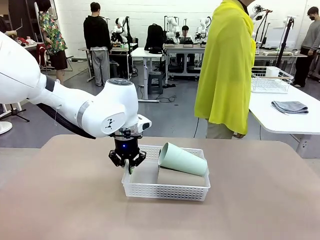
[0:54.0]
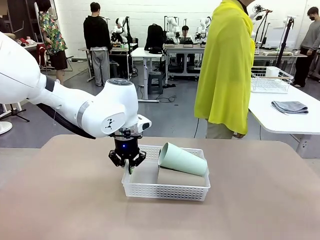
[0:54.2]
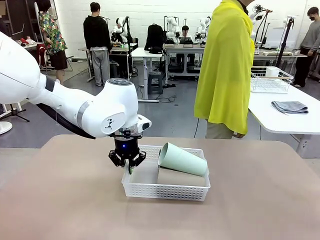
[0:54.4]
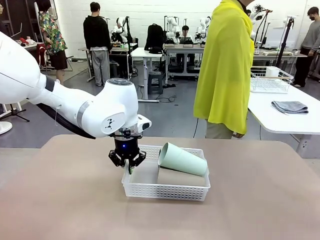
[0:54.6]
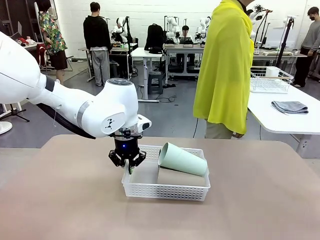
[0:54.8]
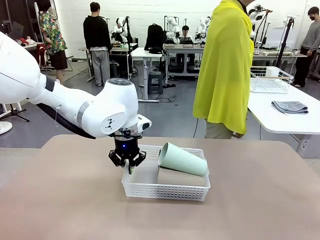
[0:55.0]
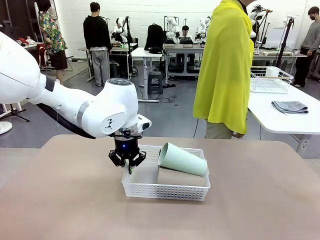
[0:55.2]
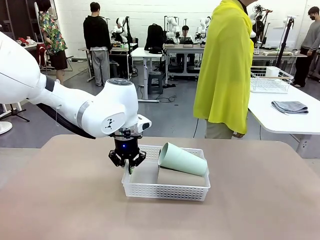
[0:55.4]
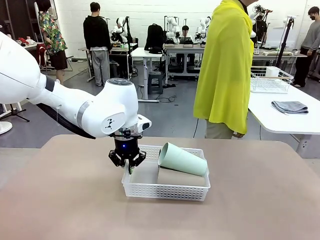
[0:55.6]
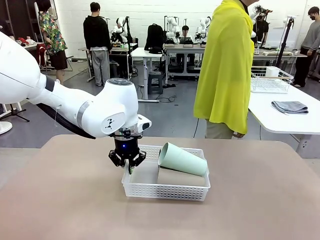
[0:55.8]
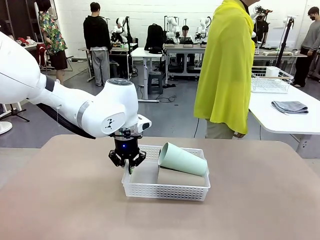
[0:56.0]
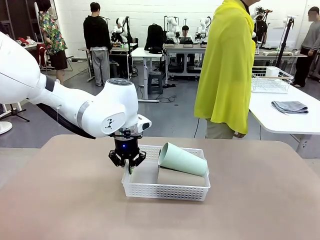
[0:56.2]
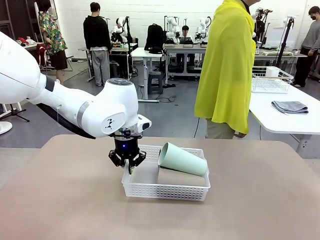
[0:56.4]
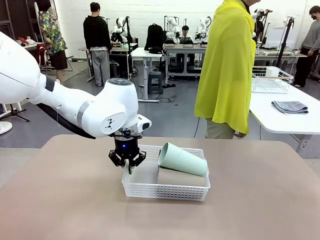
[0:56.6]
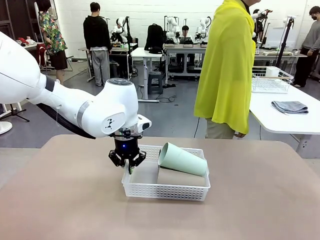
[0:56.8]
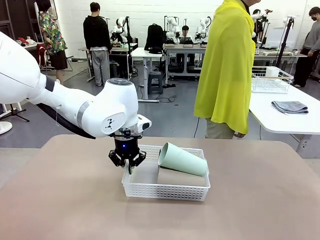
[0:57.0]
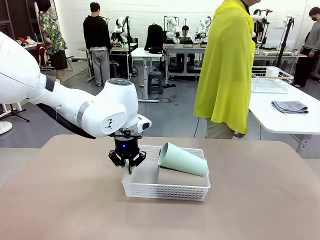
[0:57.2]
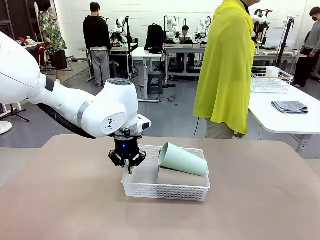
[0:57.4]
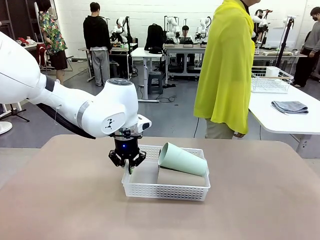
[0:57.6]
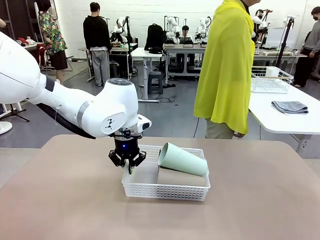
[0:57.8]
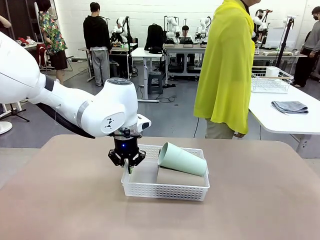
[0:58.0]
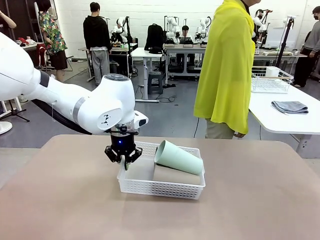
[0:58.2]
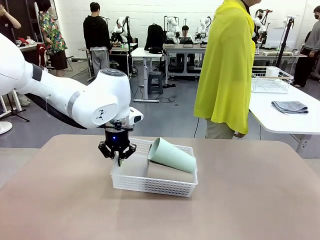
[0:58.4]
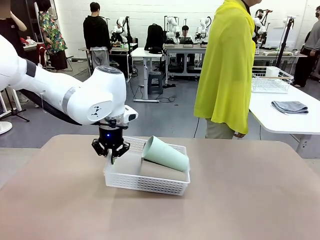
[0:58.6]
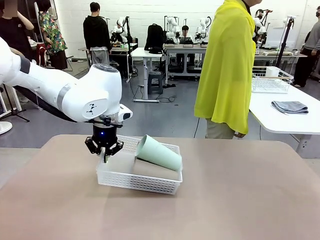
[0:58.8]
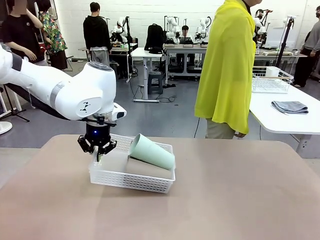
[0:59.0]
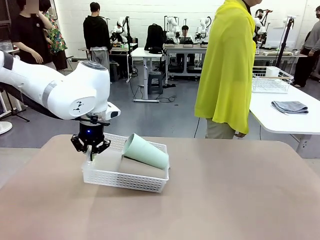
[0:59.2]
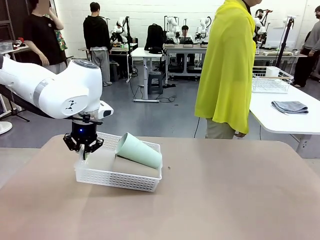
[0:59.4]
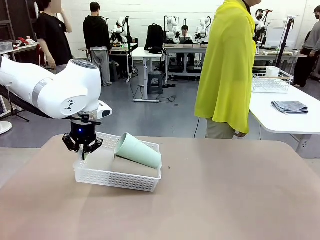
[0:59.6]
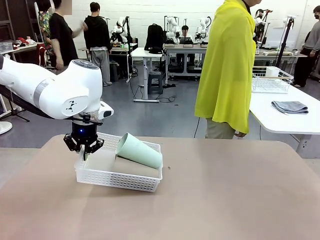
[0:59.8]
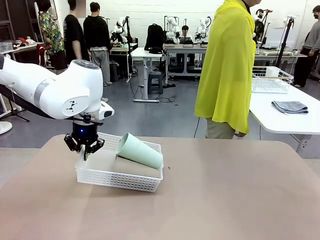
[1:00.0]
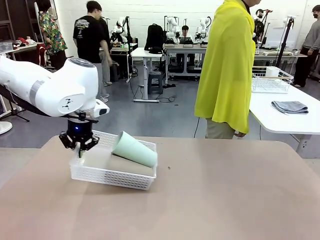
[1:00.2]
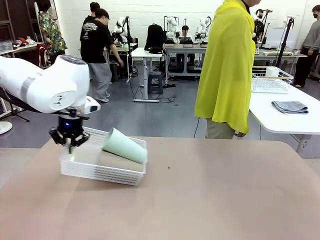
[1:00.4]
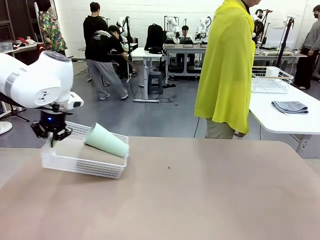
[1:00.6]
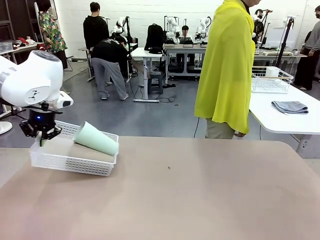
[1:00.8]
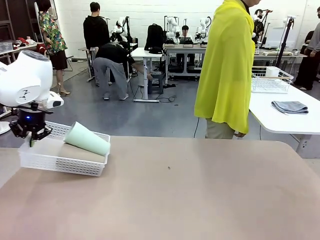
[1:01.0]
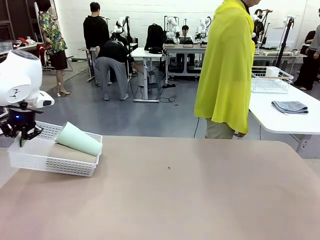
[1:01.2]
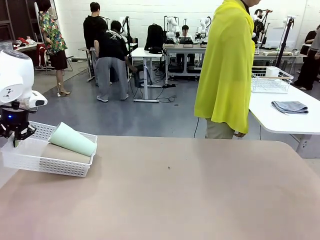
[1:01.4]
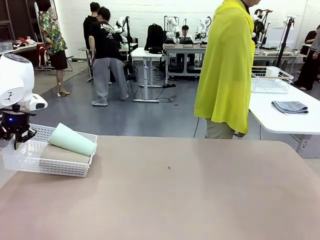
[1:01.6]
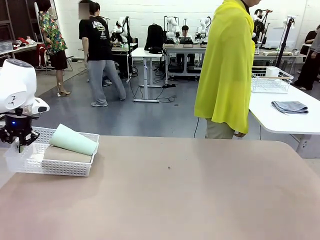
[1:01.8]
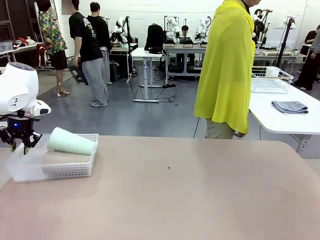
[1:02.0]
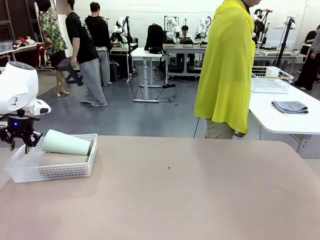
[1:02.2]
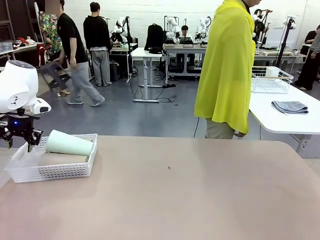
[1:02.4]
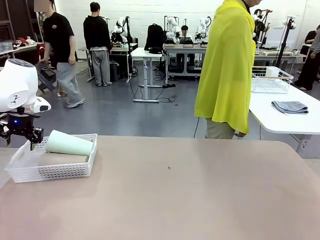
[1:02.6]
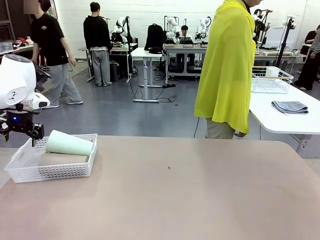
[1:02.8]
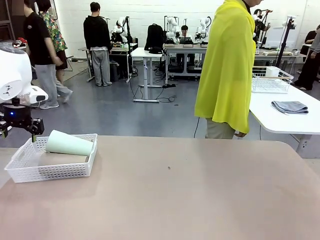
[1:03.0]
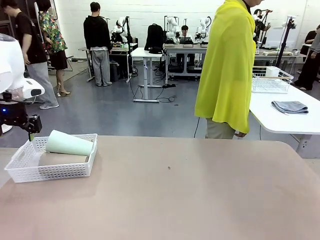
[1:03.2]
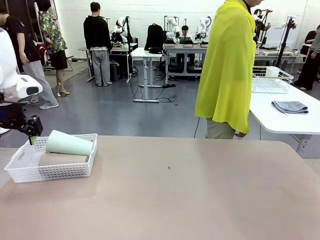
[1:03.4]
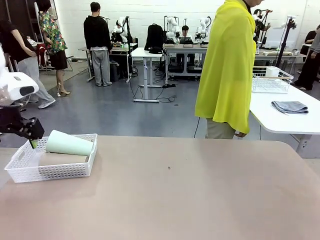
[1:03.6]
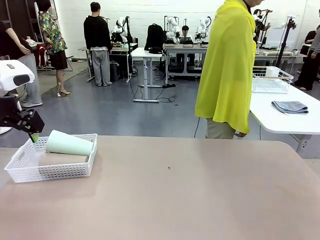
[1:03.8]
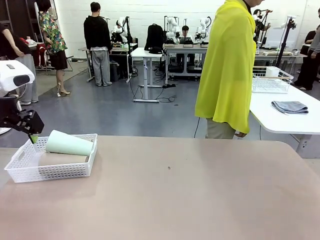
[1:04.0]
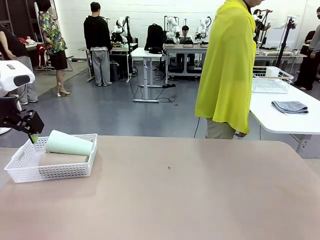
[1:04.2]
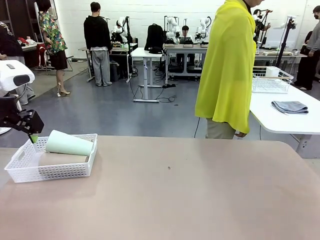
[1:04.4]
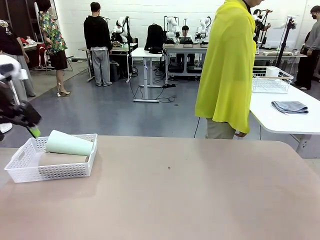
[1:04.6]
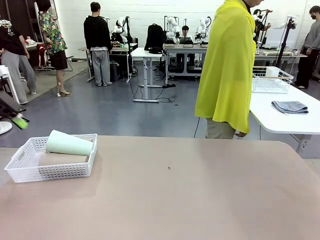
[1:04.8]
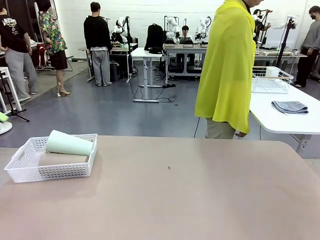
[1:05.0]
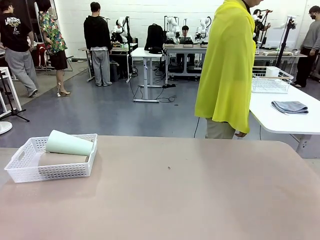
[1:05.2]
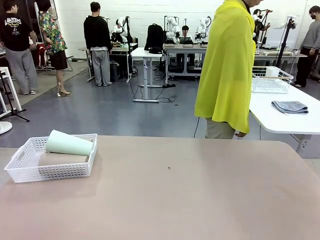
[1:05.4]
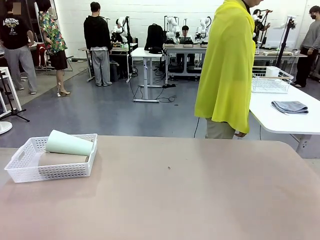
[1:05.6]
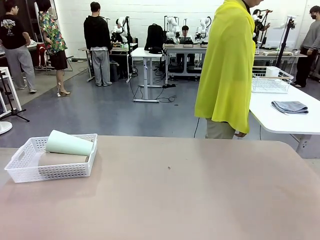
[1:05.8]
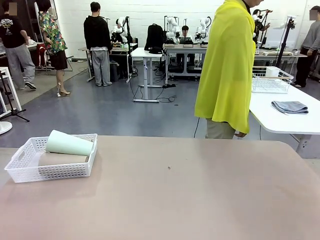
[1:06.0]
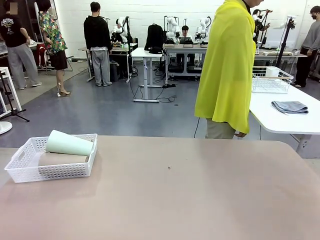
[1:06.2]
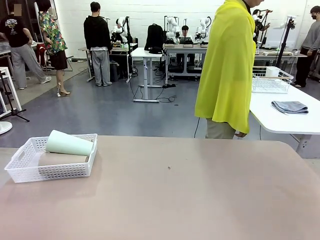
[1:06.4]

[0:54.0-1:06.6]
Task: Clean and organize the cups into the basket.
Robot: Move the Organizing basket back to the left side of the table.
Person: Folds the towel in half twice and places it in the right of the table.

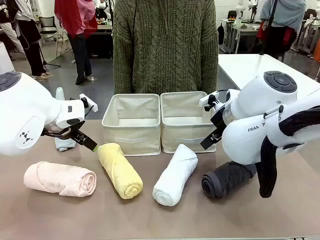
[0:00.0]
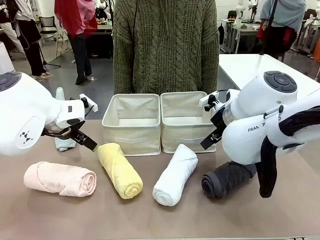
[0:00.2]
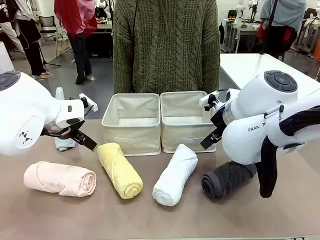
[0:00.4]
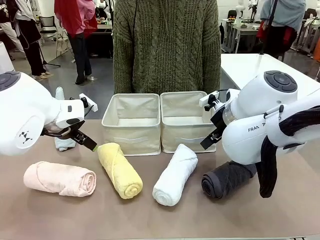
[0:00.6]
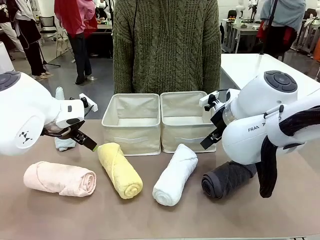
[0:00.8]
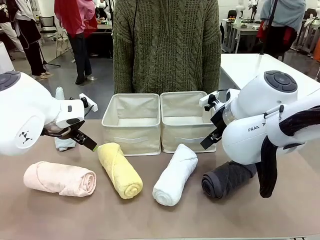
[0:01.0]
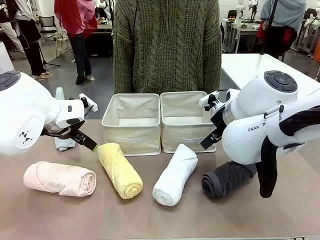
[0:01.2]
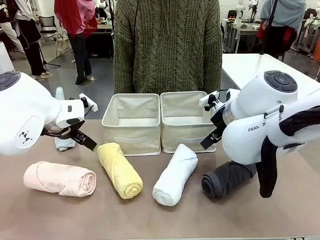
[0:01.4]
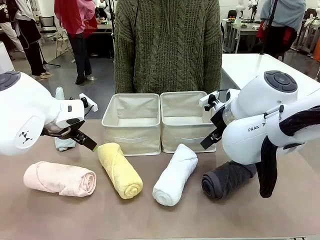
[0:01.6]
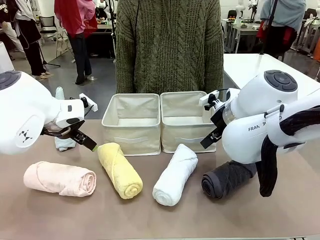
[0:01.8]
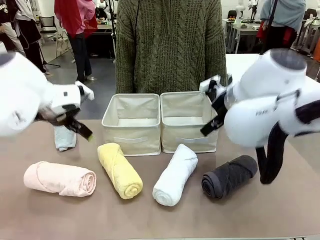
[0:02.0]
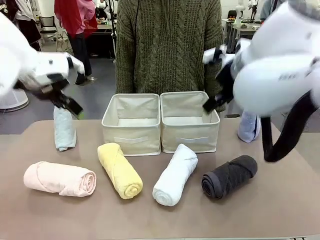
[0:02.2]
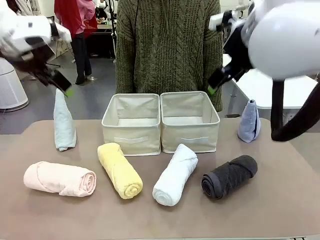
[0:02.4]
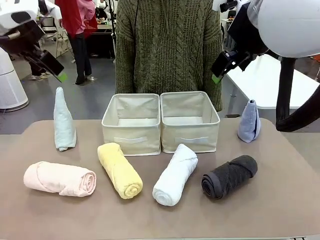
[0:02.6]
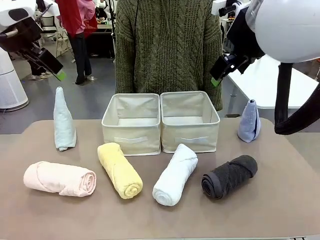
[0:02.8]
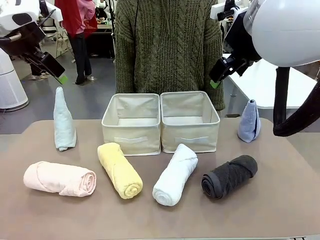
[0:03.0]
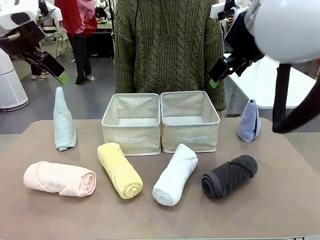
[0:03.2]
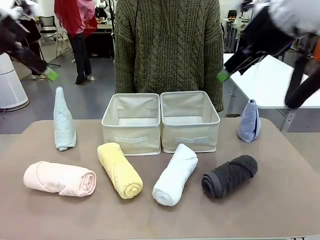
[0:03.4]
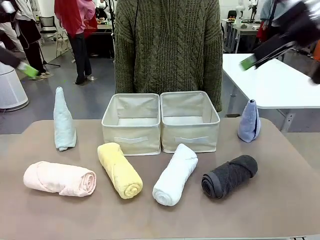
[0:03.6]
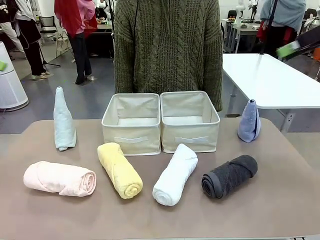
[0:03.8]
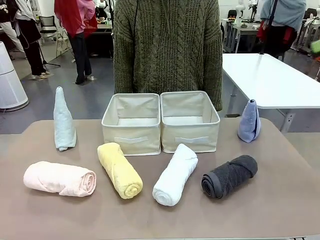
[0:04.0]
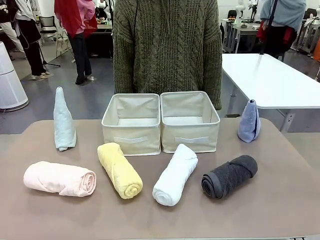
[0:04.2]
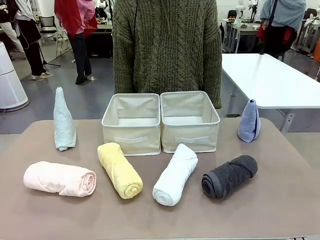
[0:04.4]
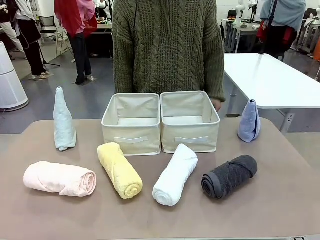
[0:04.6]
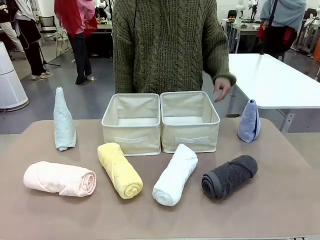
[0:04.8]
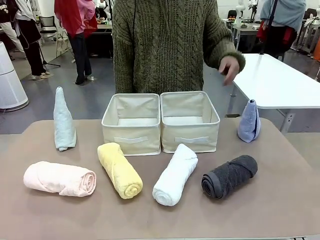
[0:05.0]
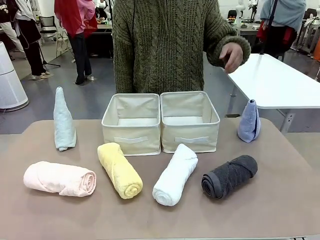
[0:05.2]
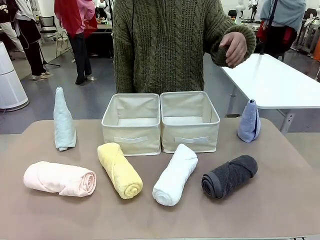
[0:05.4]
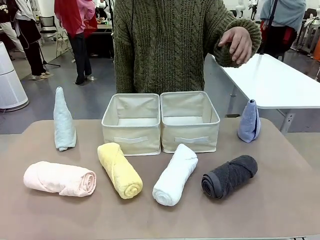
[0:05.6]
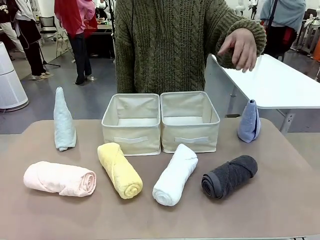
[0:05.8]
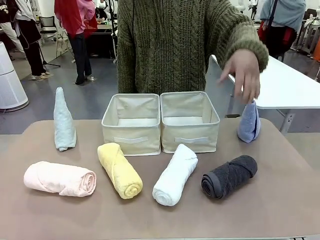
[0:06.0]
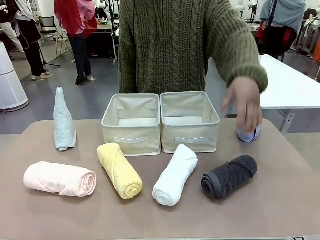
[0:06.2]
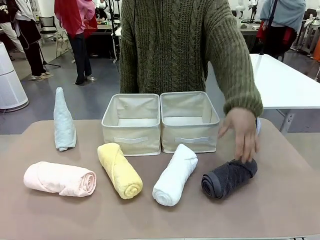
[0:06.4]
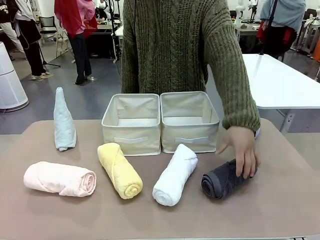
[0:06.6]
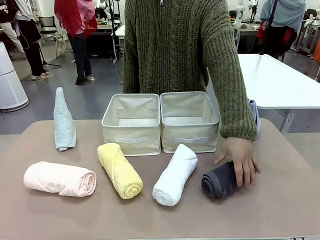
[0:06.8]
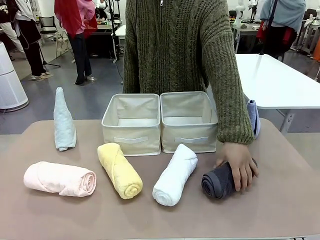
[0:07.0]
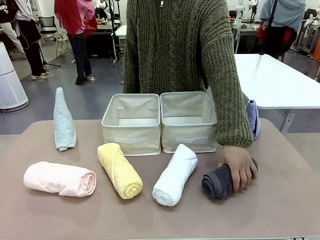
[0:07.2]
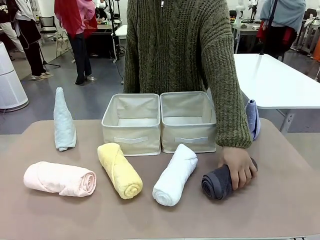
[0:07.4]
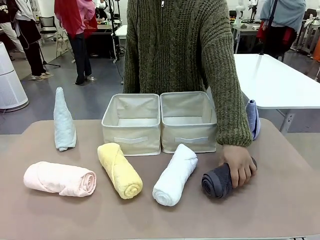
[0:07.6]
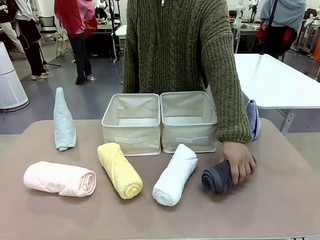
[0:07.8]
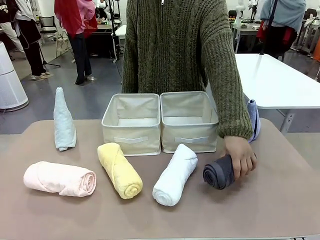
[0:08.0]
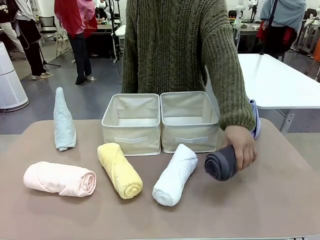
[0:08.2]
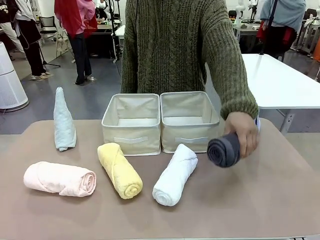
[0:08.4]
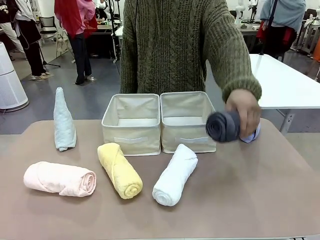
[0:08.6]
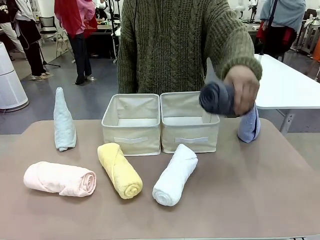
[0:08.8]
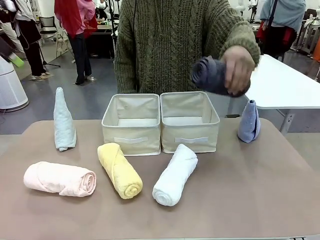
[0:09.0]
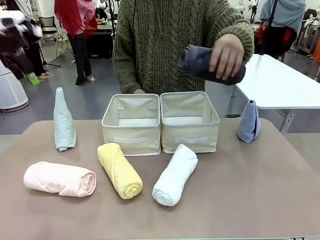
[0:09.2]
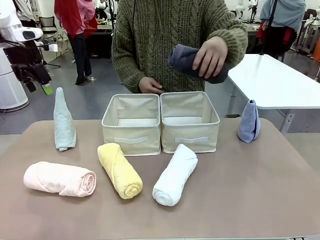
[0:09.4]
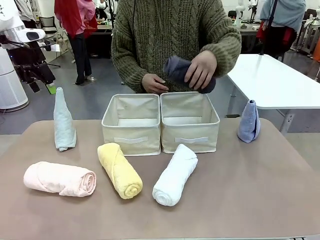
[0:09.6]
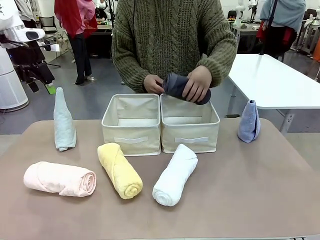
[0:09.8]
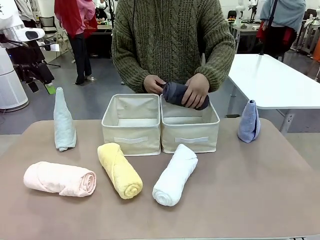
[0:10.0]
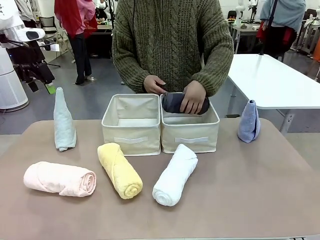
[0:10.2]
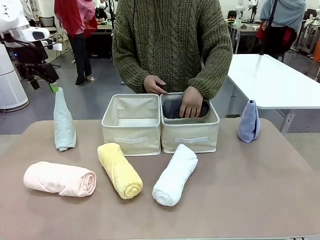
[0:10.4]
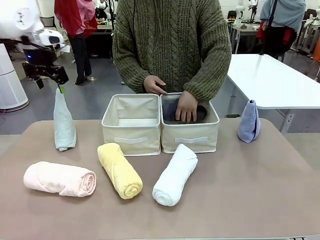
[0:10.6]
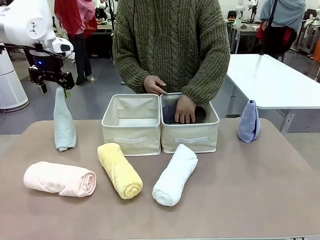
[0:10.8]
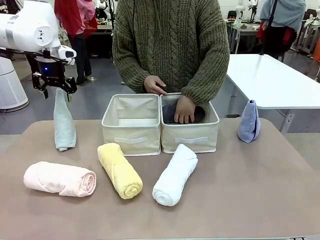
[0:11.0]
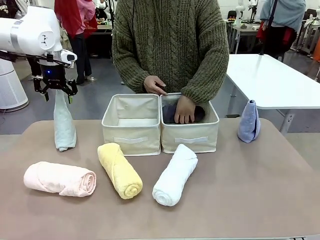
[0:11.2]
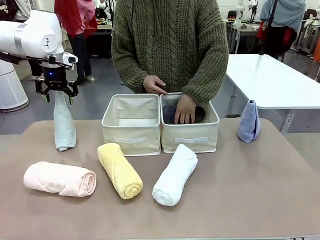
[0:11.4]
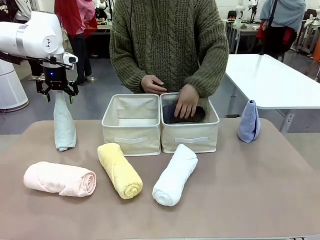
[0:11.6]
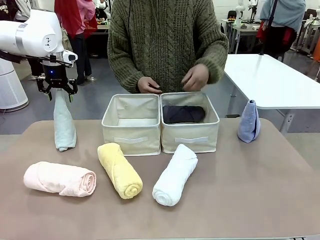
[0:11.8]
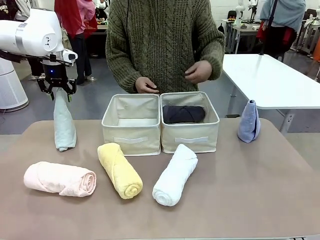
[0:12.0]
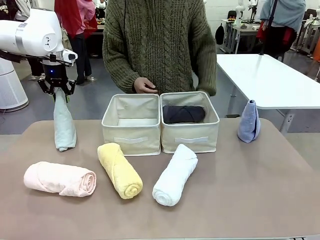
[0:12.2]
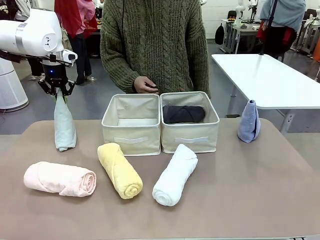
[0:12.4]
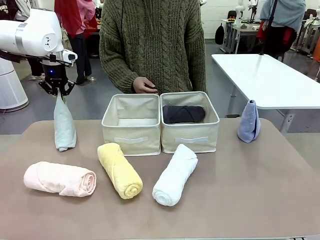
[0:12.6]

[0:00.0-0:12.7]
Task: Sort the towels based on their folding style.
Robot: Pick up one triangle-folded towel and place it in the left Fabric basket.
Person: Pick up one hotel-style rolled towel and place it in the left fabric basket.
